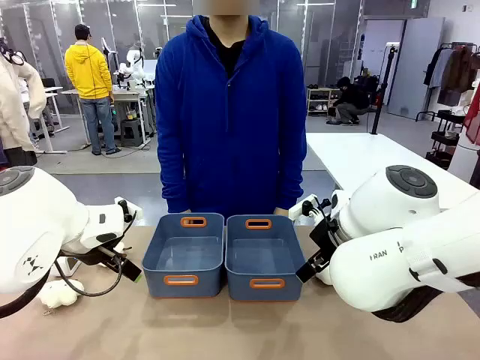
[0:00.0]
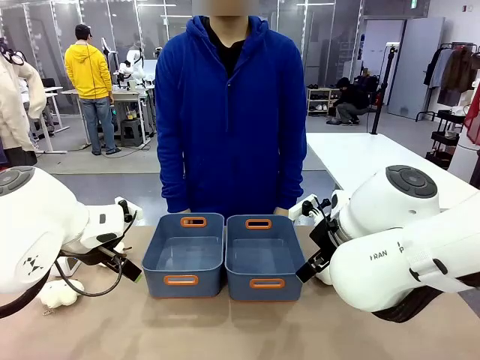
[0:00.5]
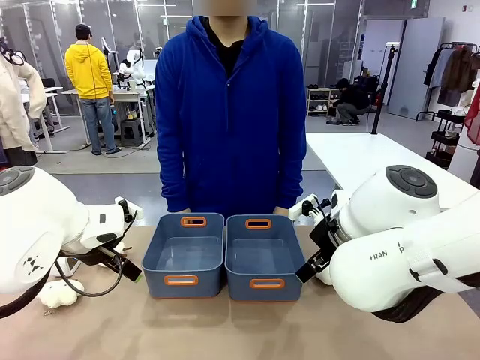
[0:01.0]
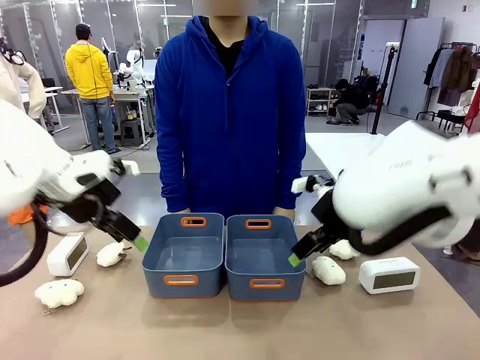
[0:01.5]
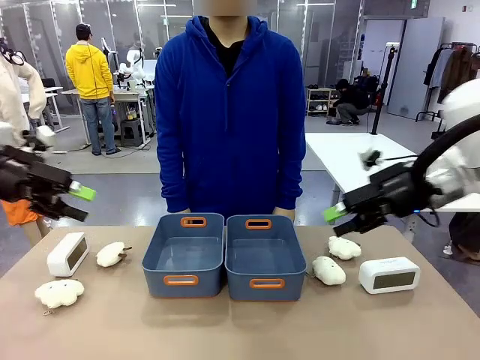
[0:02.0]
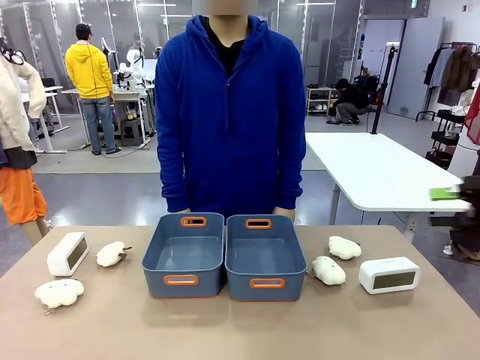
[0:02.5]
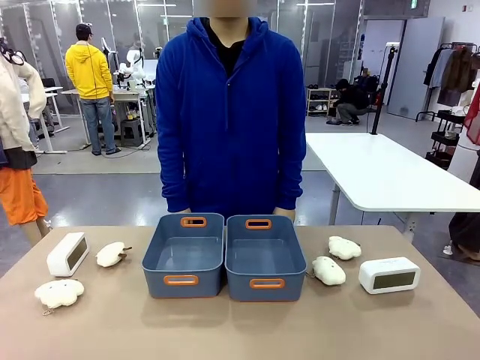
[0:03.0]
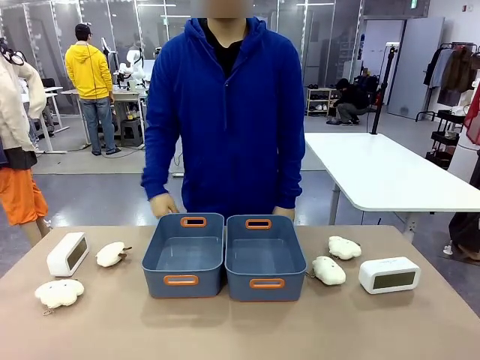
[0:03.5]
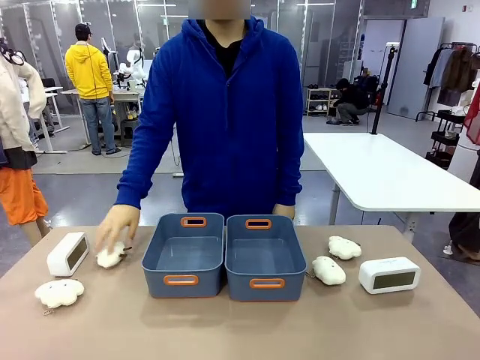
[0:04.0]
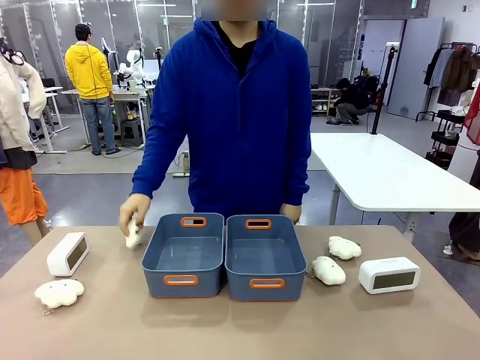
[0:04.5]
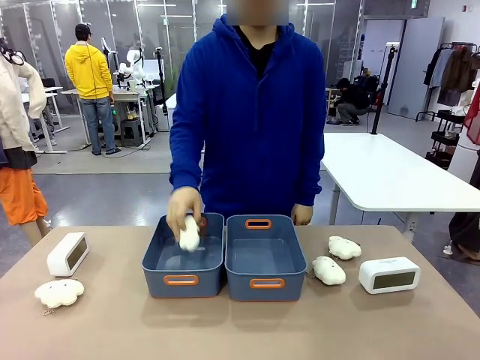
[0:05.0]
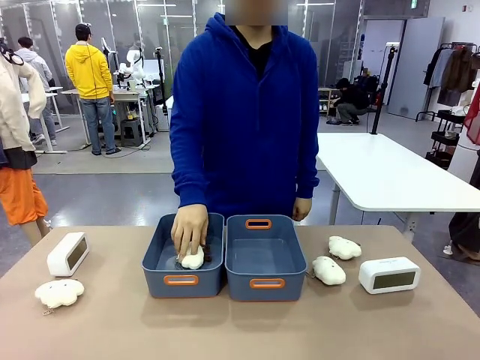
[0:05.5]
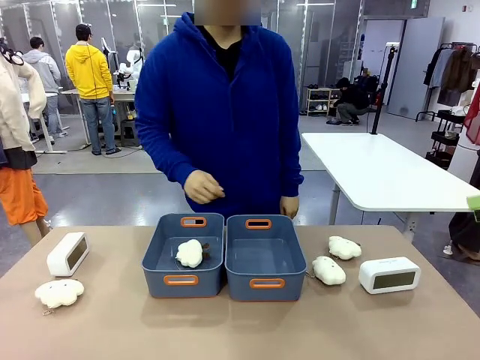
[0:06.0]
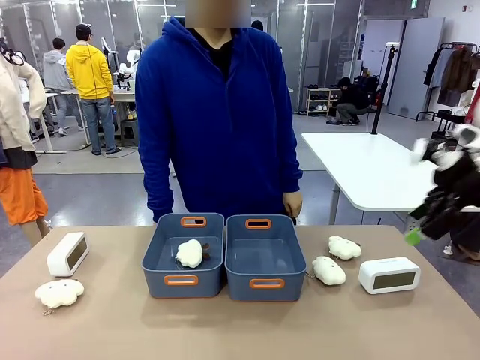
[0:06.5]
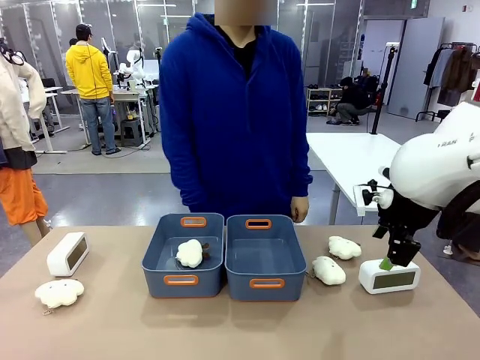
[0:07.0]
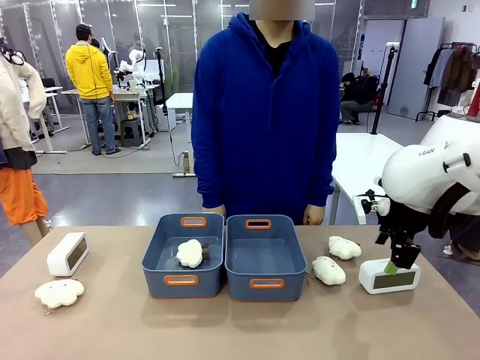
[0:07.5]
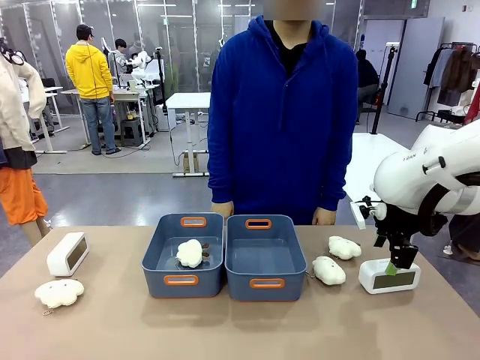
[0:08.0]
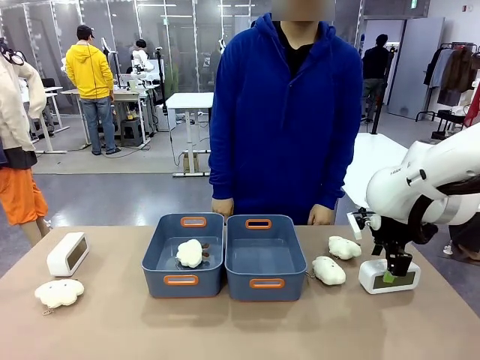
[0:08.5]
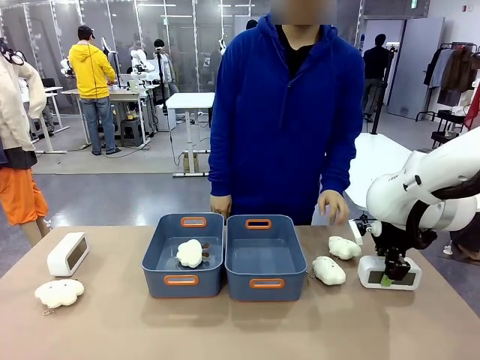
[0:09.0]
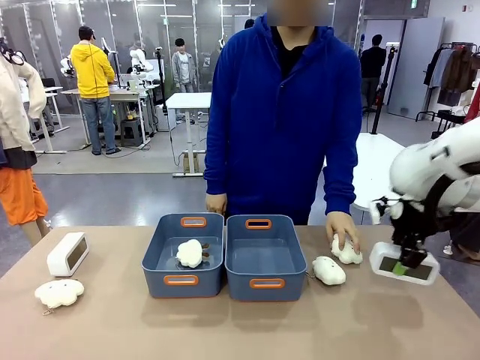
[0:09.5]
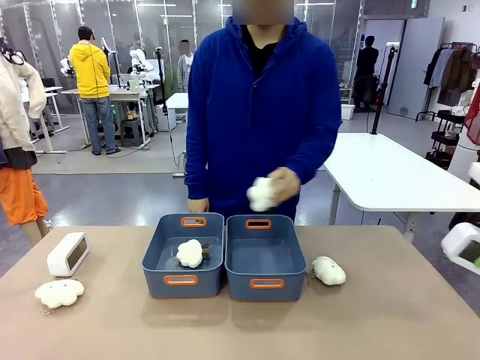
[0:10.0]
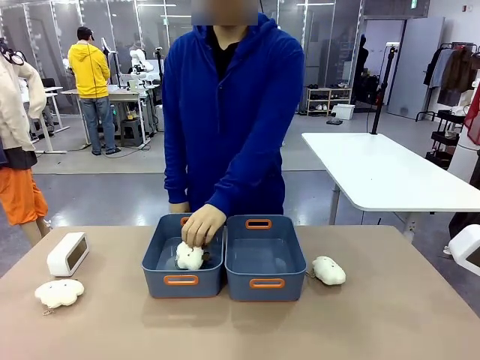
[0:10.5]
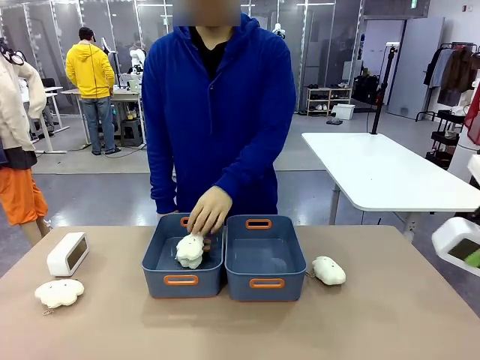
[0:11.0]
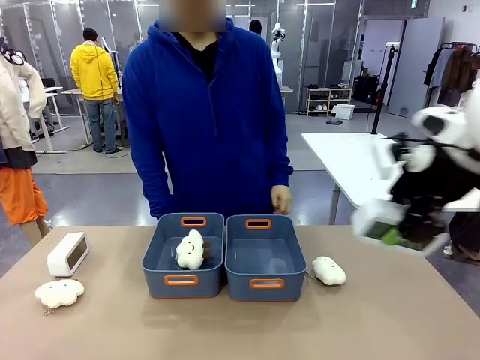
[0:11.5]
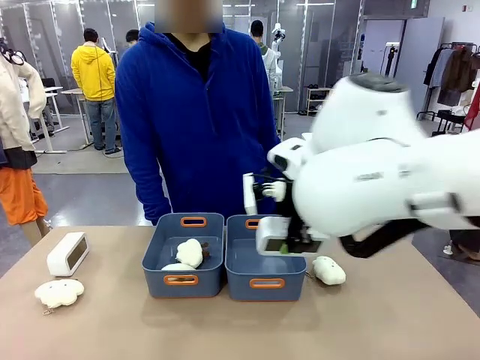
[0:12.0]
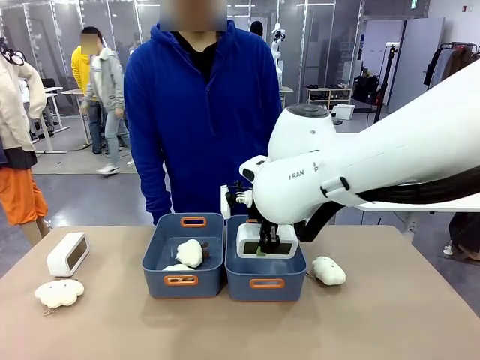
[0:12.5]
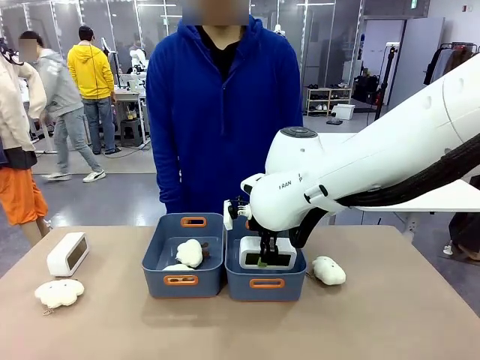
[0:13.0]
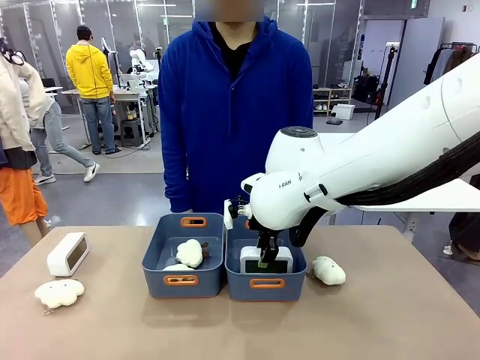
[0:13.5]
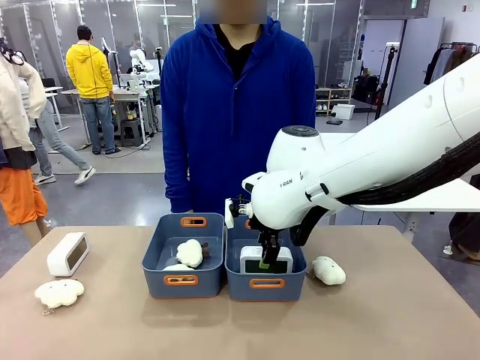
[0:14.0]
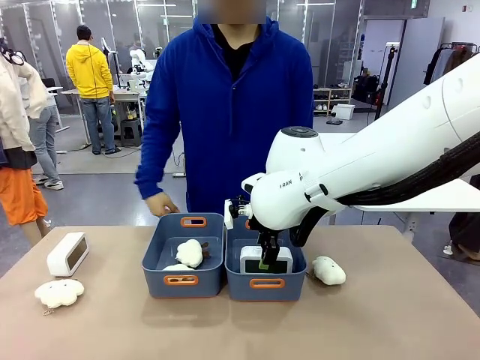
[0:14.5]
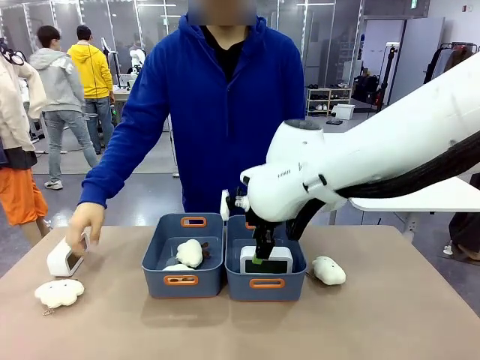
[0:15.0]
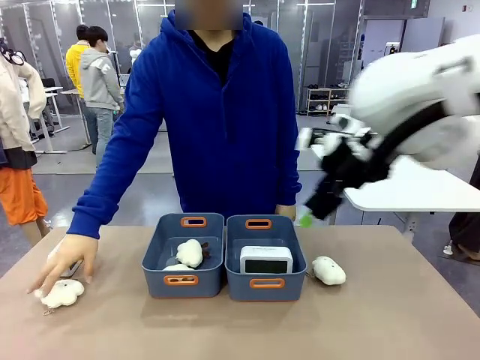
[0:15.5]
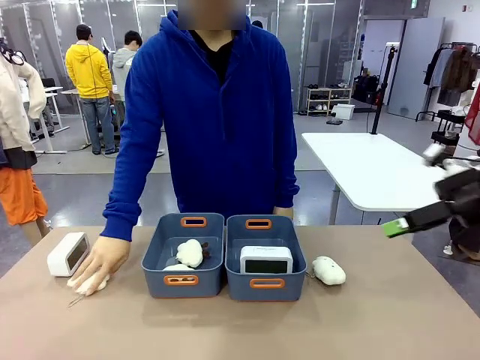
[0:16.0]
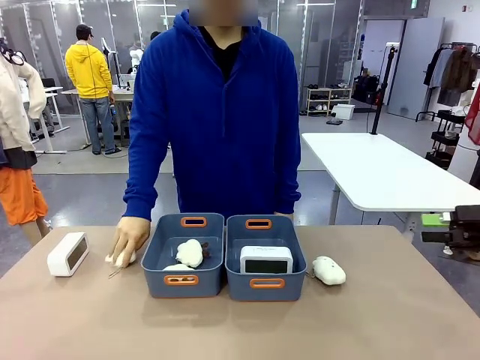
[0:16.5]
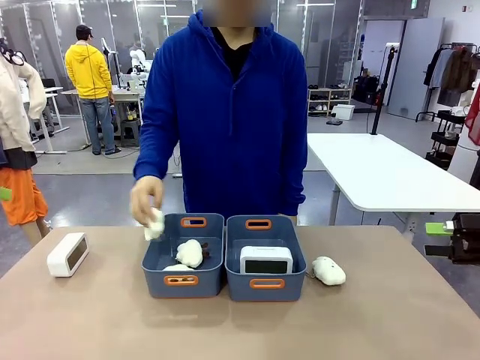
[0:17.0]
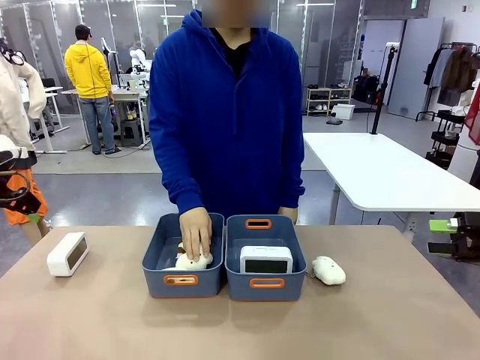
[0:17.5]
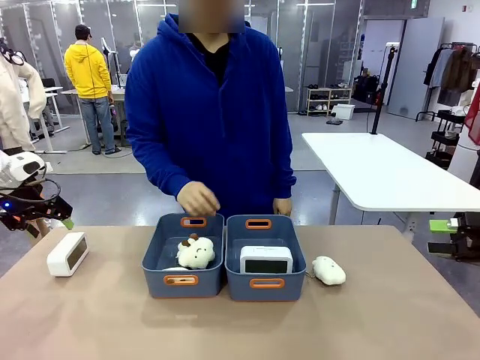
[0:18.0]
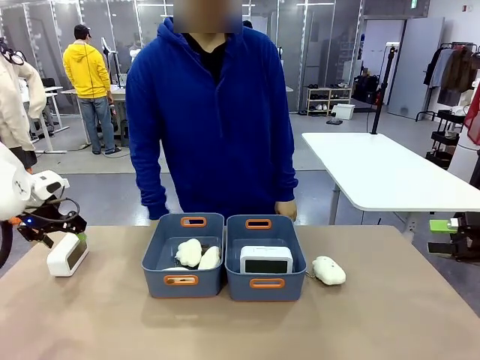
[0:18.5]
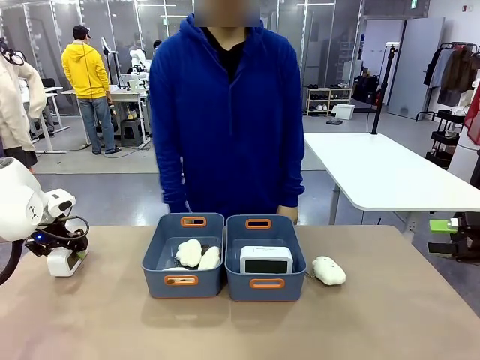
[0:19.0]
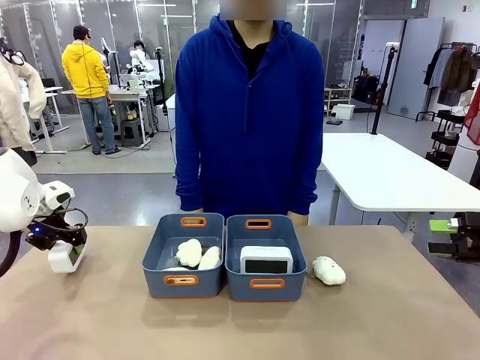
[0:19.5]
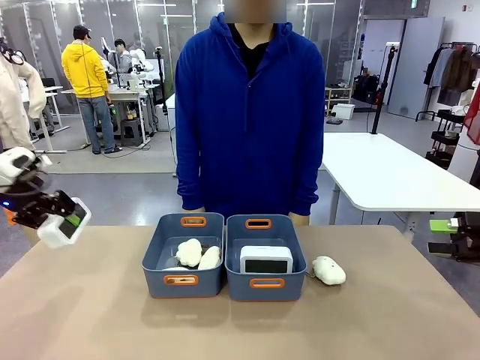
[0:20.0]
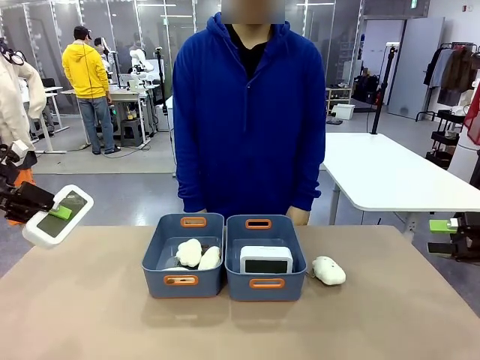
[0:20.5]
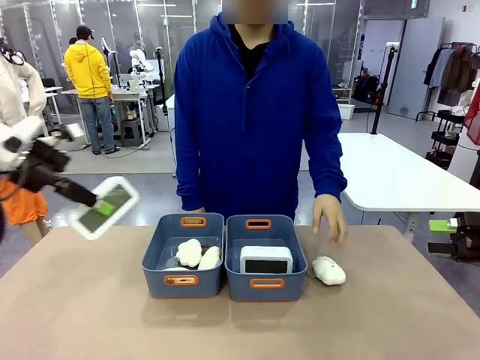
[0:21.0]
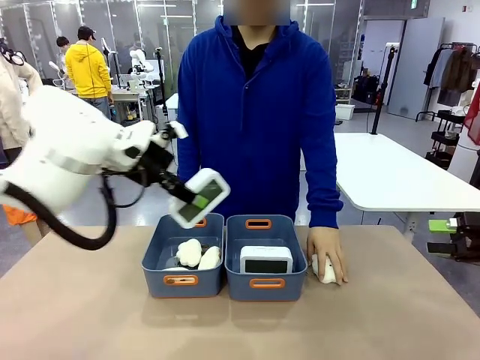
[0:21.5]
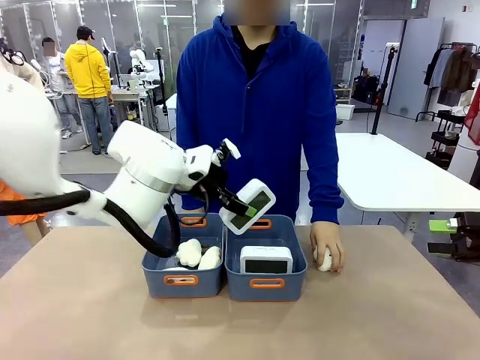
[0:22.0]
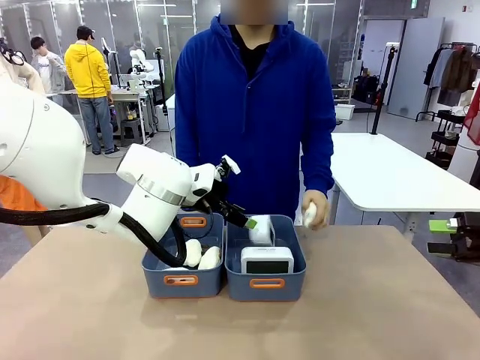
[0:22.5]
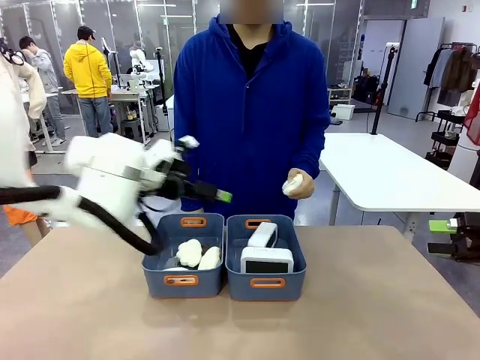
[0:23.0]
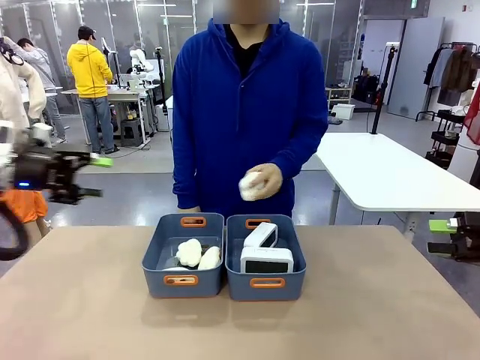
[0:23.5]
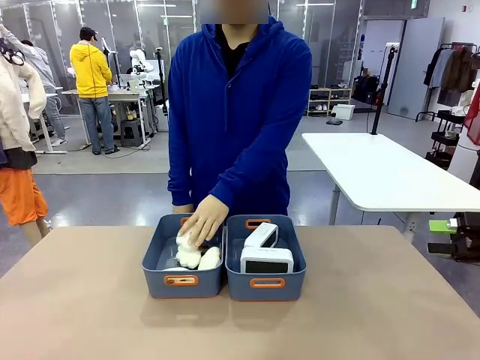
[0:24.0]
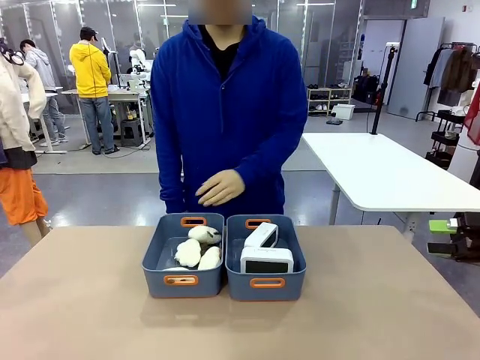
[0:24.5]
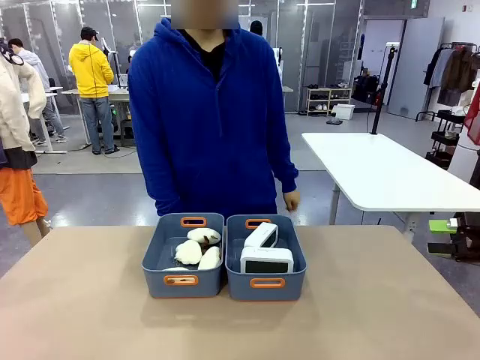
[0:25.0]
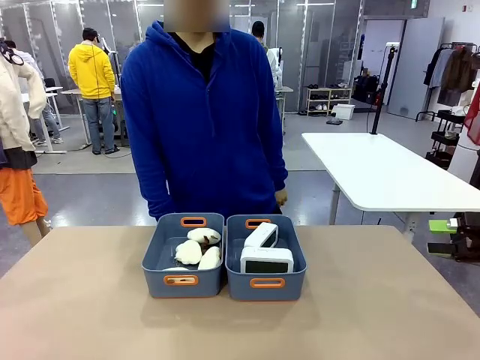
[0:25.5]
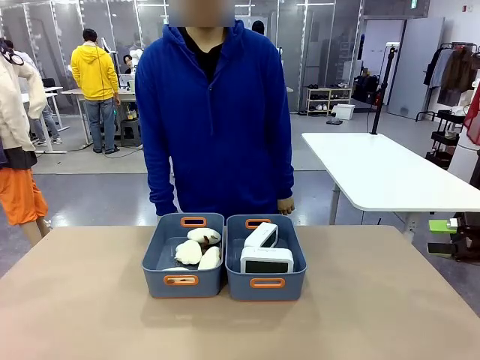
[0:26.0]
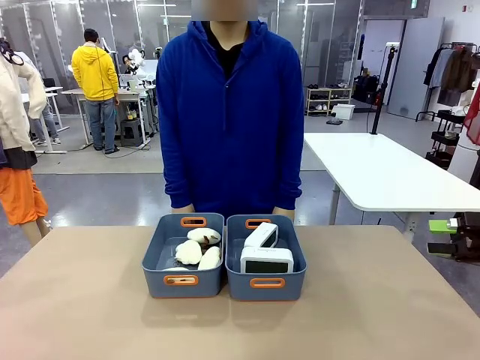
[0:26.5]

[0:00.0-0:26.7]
Task: Sort the digital clocks into the basket.
Robot: Pick up the Digital clock from the table and place it into the empty Plastic storage basket.
Person: Pick up a plush toy from the table and place it in a plastic storage basket. Pick up a plush toy from the table and place it in the plastic storage basket containing the plush toy.
